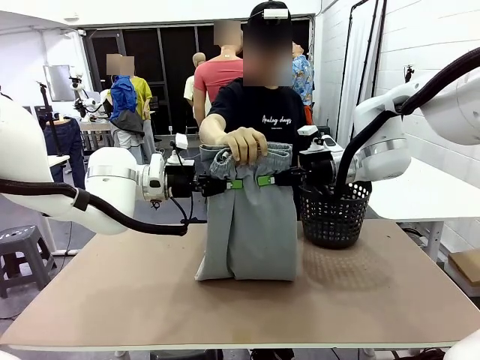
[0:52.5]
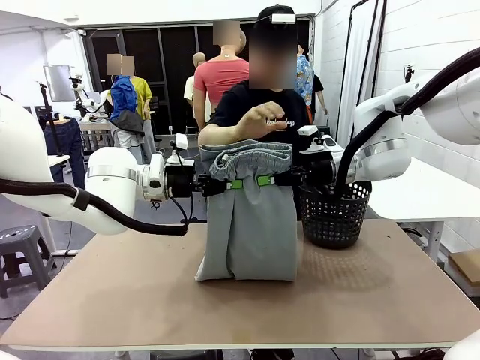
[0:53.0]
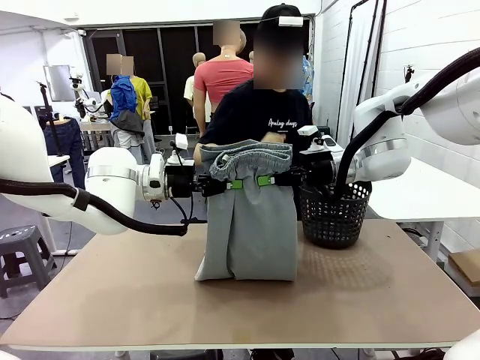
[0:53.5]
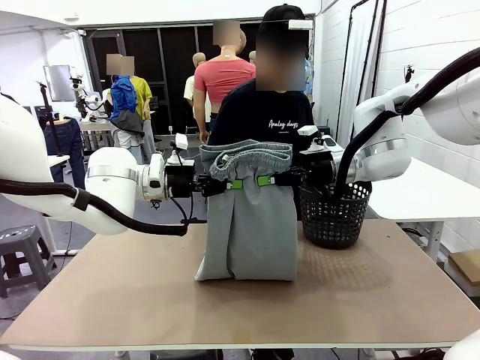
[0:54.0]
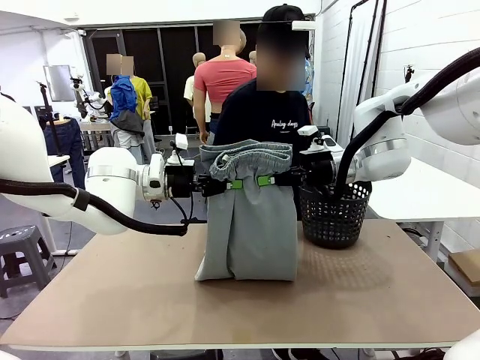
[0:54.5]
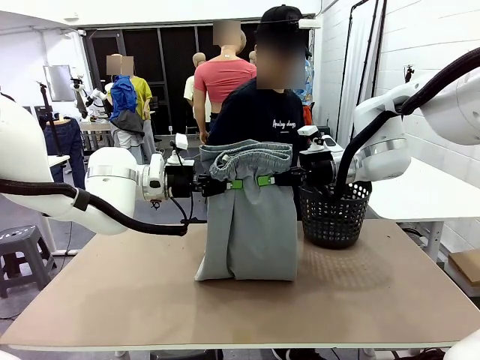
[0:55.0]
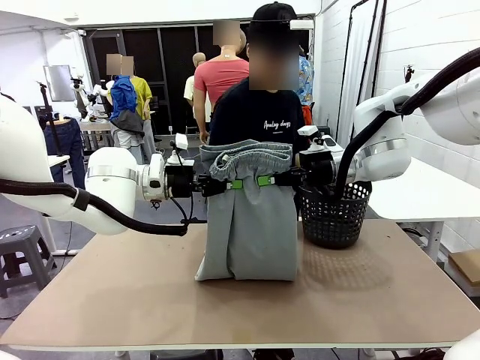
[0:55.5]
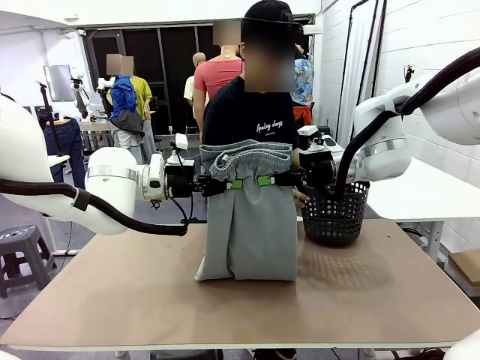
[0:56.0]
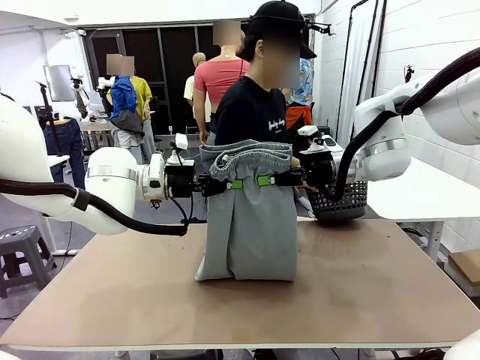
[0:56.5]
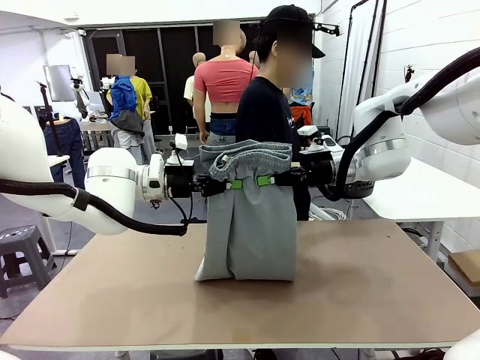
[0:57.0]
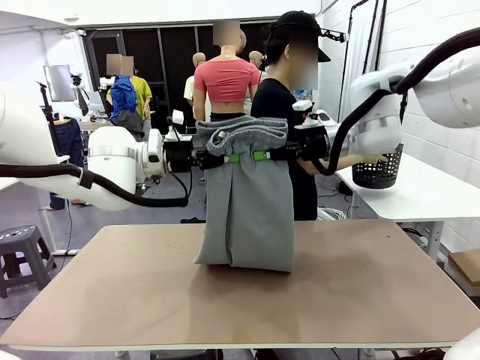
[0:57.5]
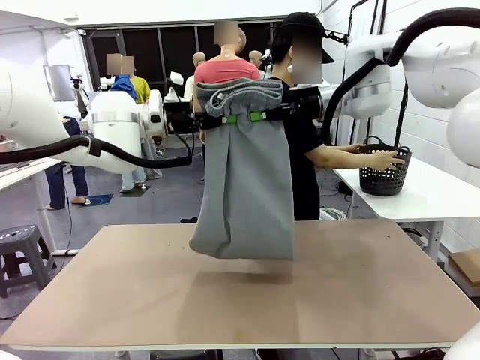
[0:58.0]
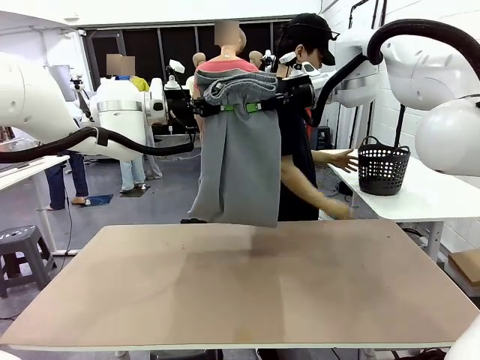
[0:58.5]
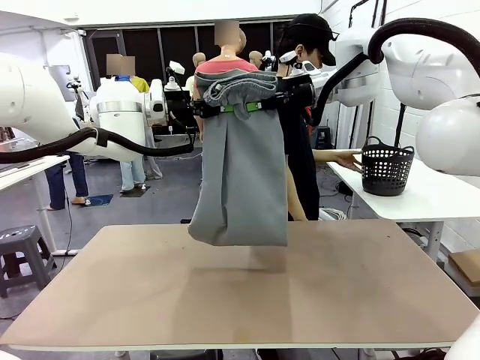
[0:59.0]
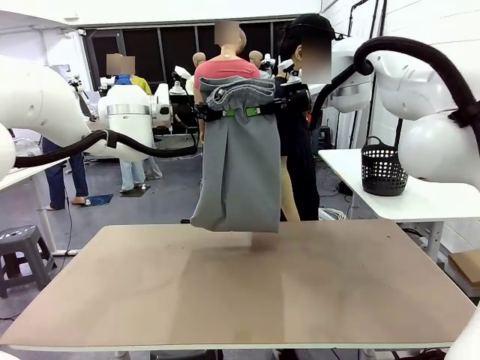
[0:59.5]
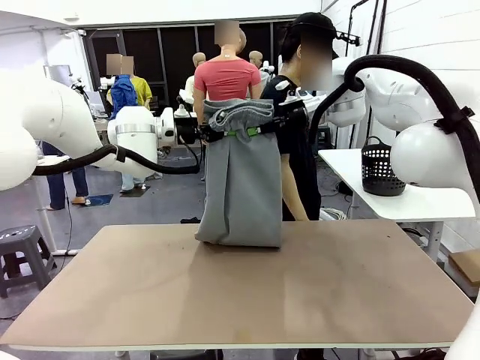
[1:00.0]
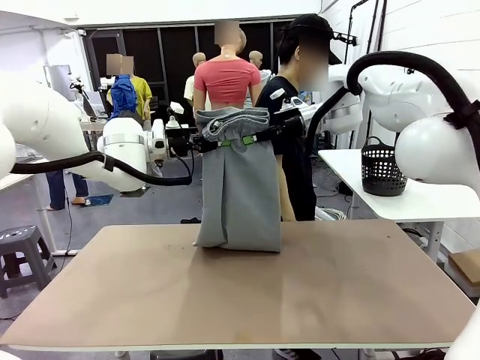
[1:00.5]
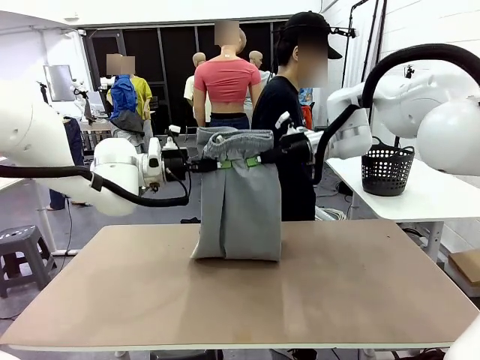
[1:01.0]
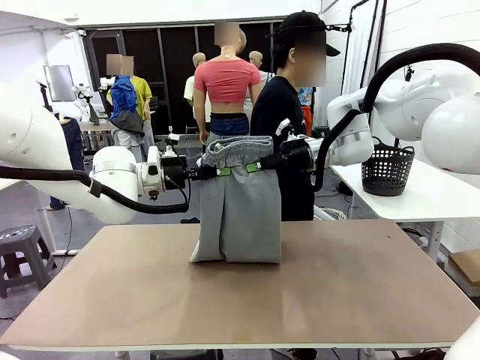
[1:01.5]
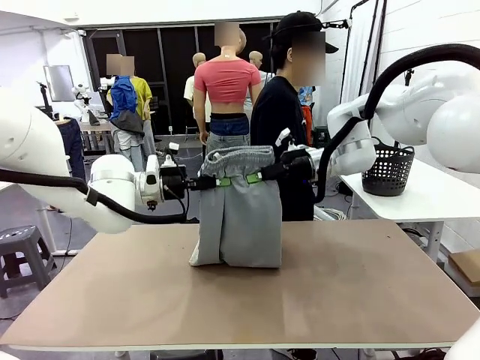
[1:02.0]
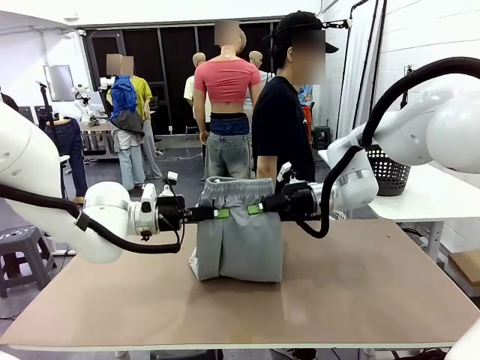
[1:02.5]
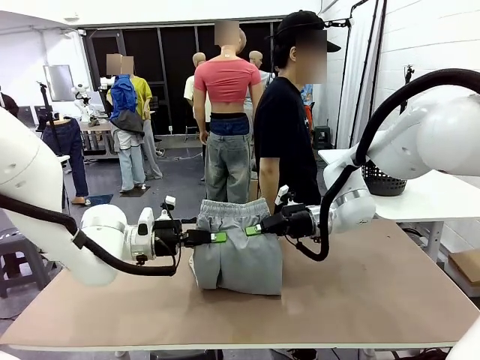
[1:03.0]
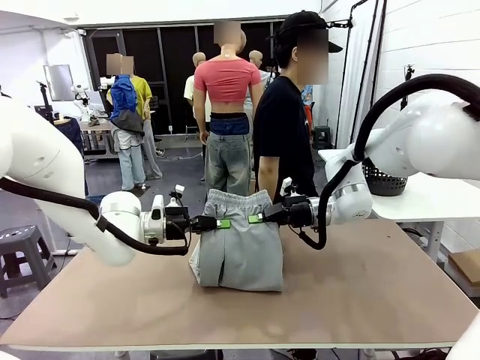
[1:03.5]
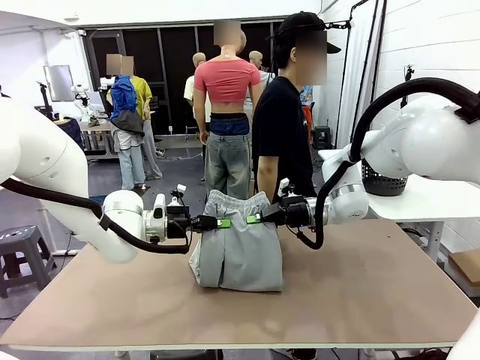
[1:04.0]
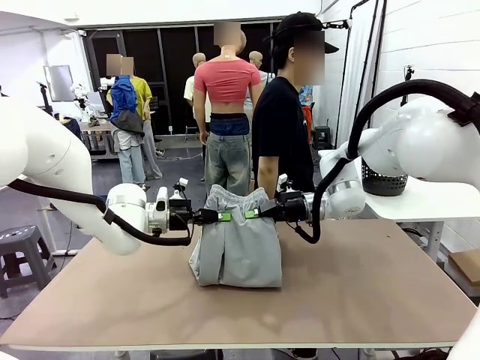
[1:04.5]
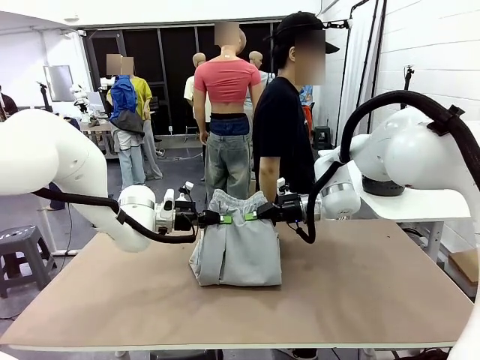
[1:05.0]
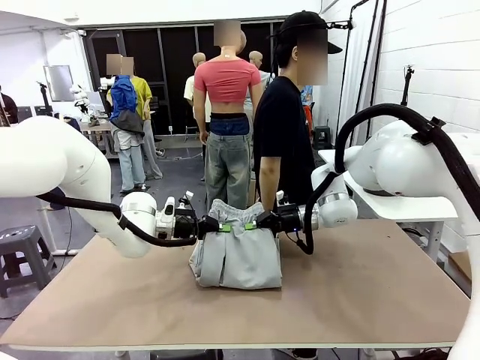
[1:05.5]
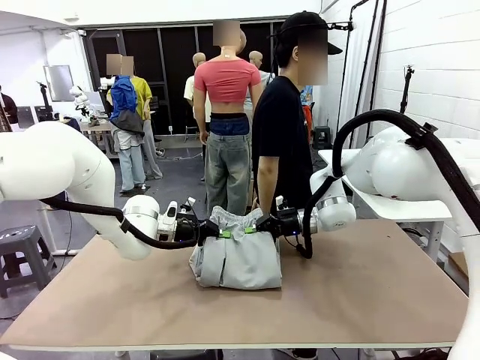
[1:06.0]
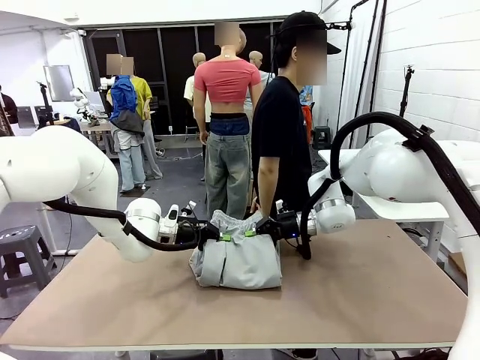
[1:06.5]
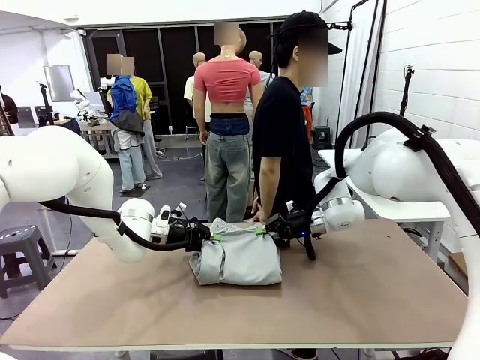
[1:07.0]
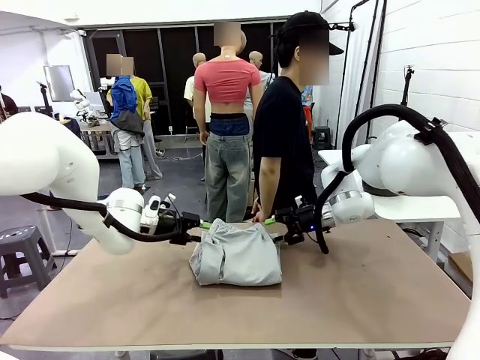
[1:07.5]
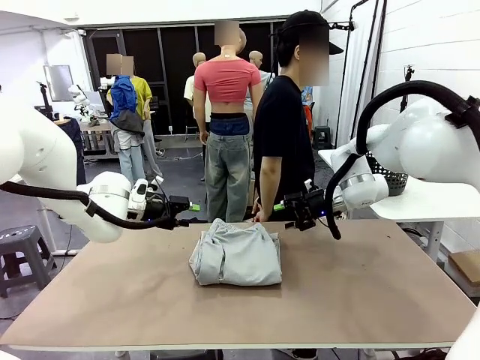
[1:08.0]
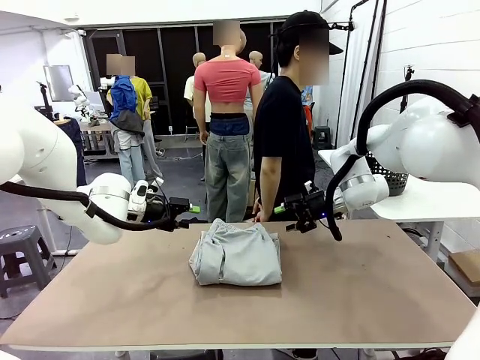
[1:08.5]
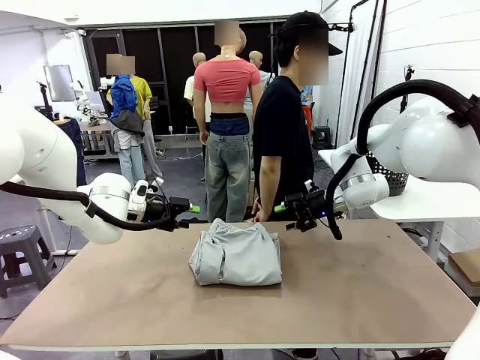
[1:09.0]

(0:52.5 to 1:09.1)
Task: Fold the training pants.
Robot: Fold the Training pants in half.
Person: Move the laundry basket to the right of the human table.

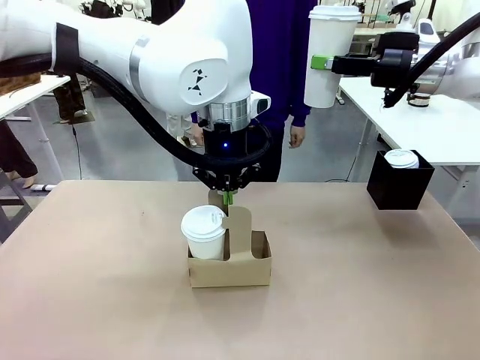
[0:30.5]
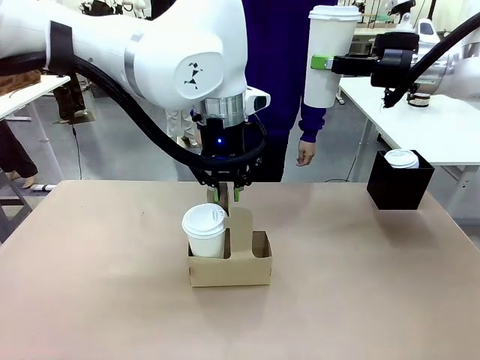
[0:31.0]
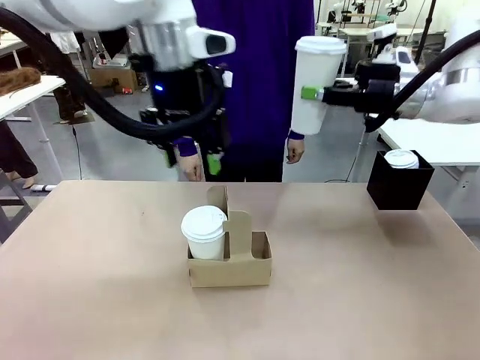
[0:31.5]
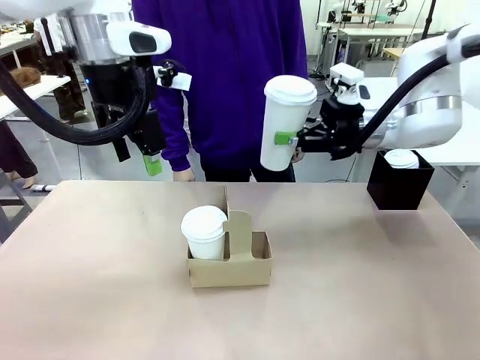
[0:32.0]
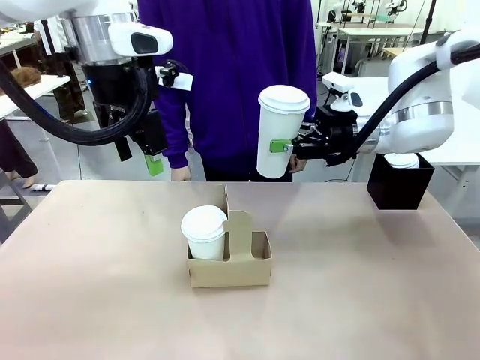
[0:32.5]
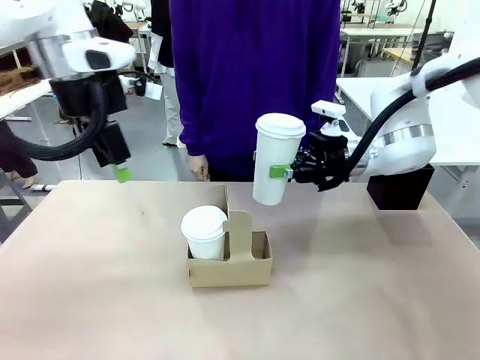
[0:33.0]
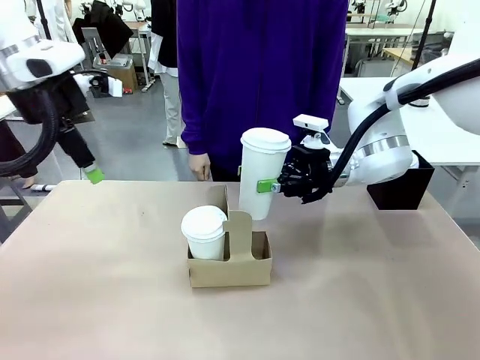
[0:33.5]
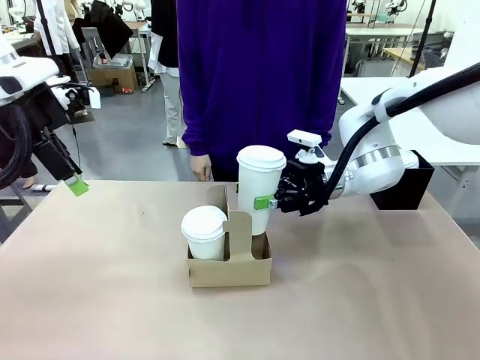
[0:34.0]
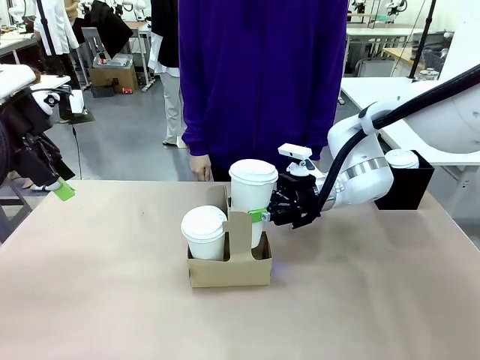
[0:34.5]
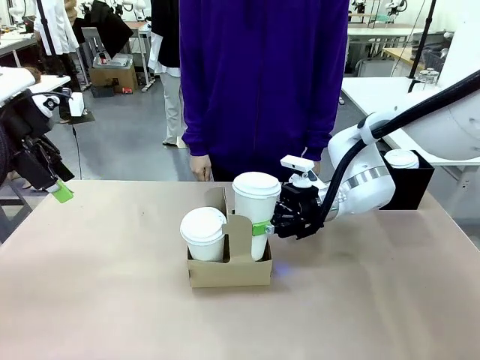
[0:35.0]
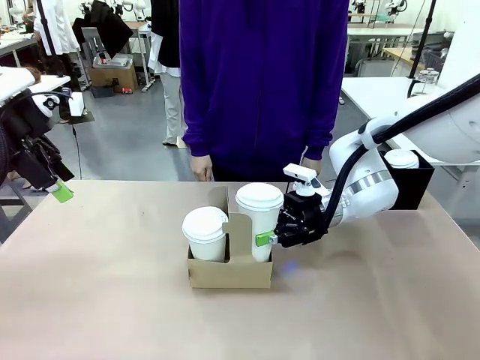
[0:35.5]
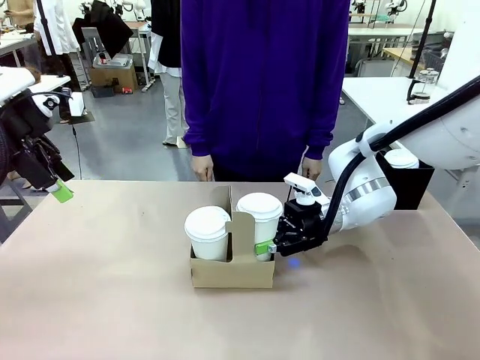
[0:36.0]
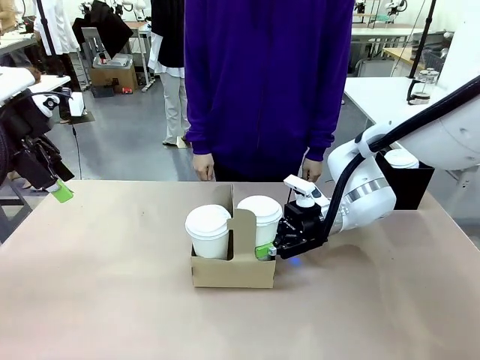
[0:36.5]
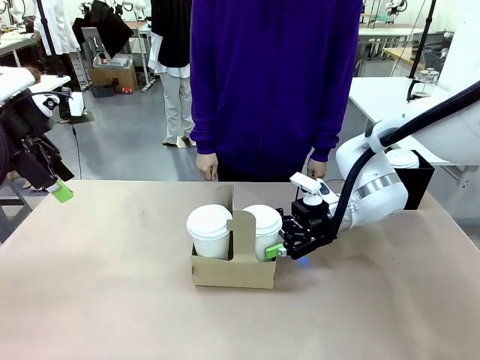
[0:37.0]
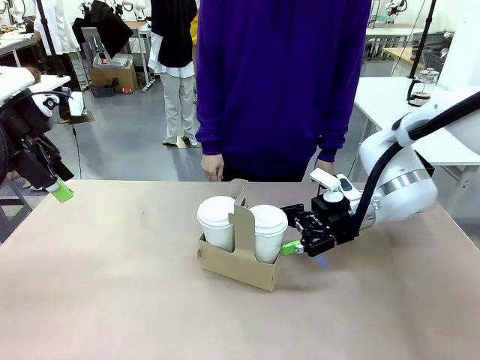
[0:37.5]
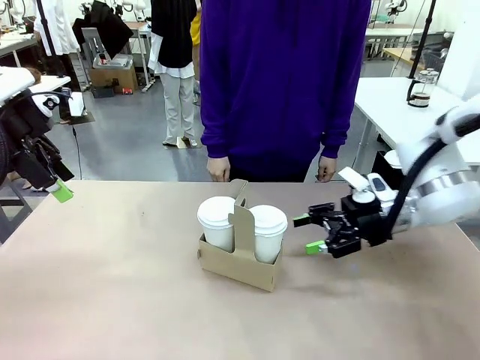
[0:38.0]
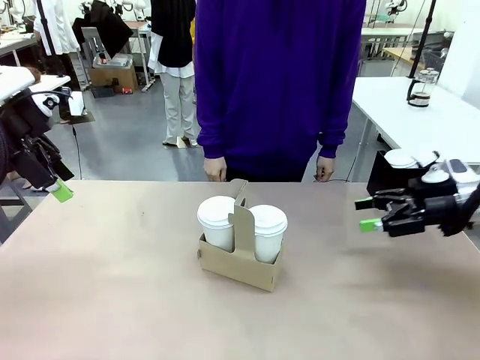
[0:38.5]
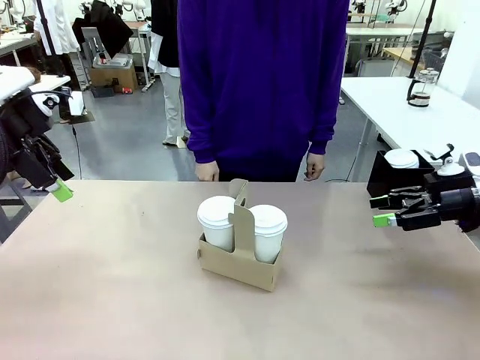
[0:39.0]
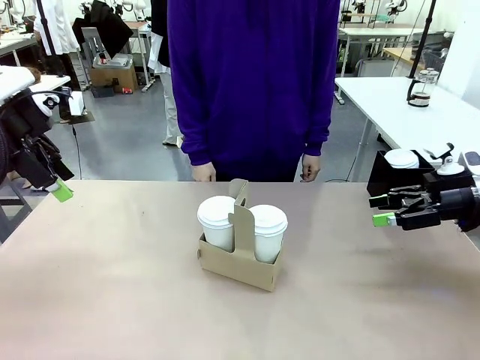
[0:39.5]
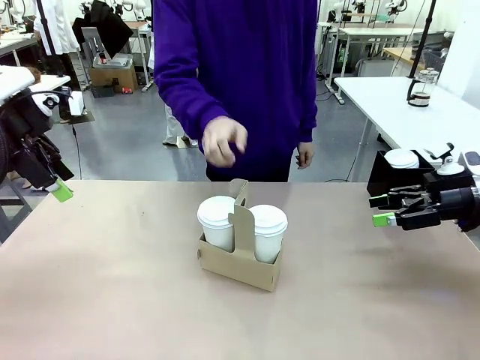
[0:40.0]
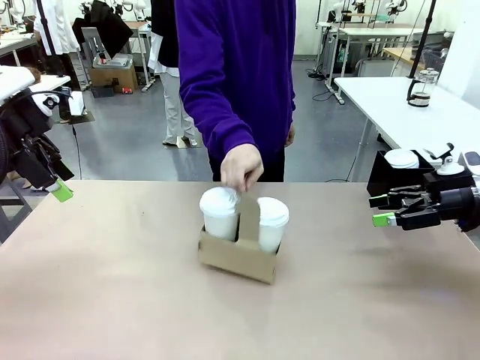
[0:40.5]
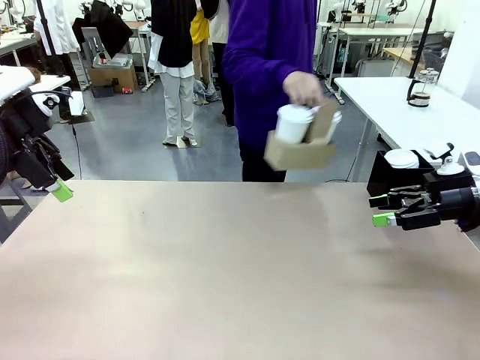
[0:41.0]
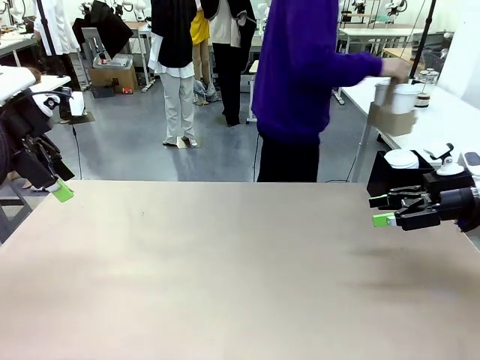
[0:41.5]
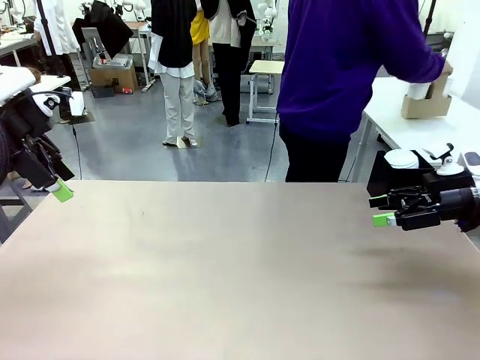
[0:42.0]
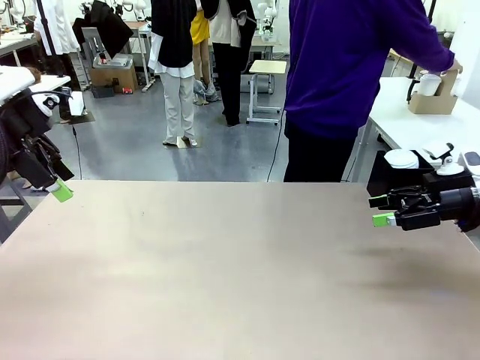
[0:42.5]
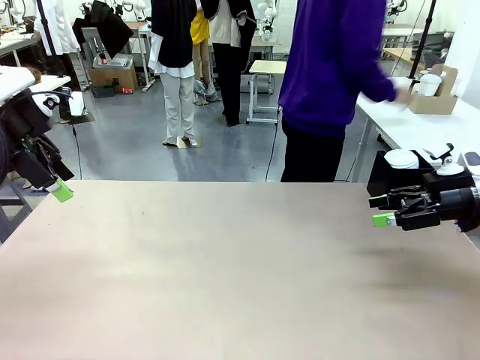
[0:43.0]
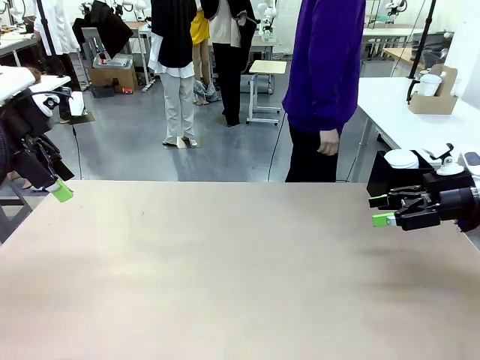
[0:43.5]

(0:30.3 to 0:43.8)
Task: Pour a drink into a cup and package it in a carrier.
Robot: Insert the held 600 ml Paper Cup into the Cup Carrier.
Person: Place the Cup Carrier to the middle of Human table.
